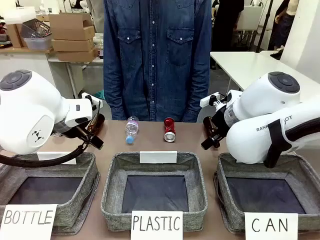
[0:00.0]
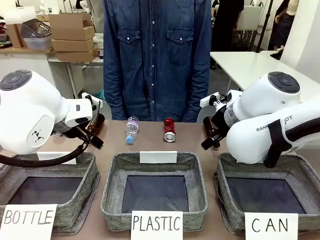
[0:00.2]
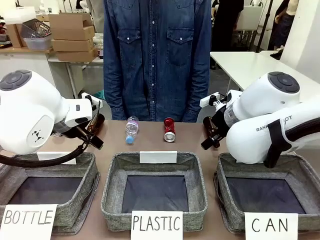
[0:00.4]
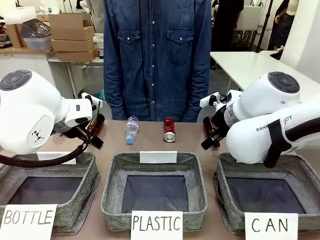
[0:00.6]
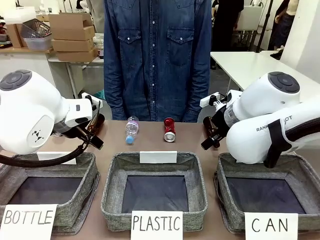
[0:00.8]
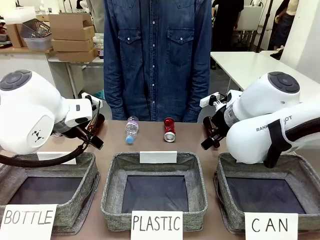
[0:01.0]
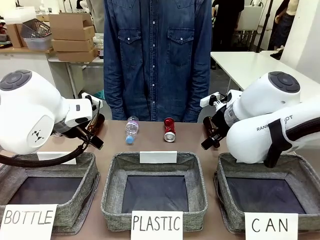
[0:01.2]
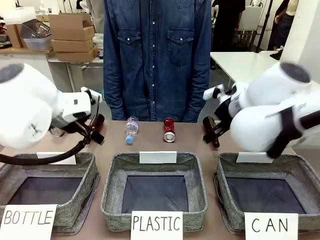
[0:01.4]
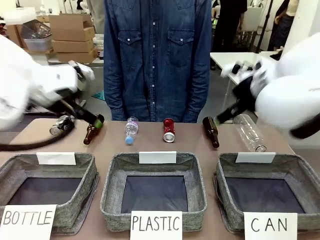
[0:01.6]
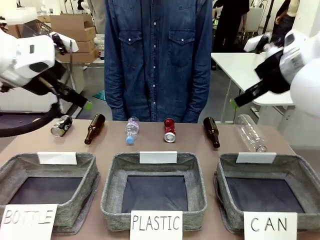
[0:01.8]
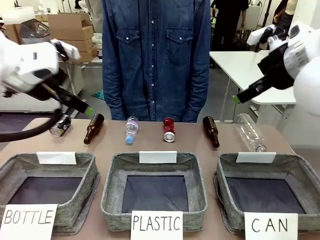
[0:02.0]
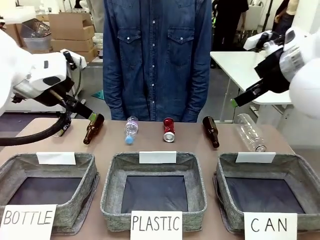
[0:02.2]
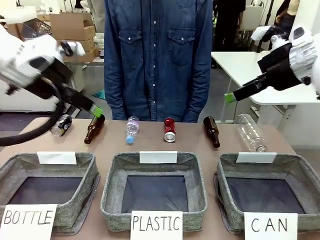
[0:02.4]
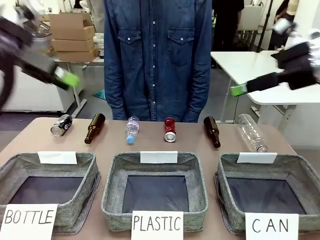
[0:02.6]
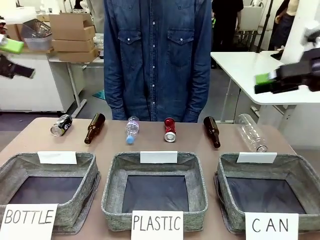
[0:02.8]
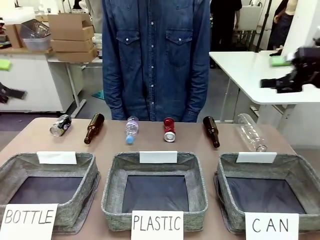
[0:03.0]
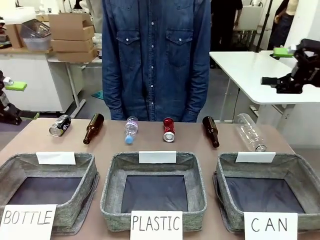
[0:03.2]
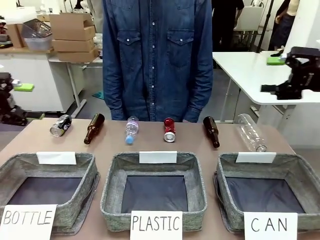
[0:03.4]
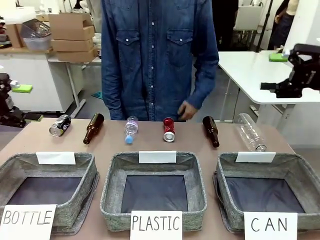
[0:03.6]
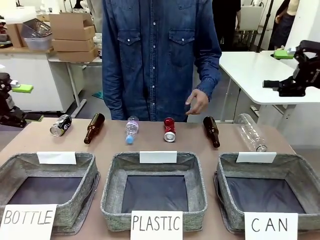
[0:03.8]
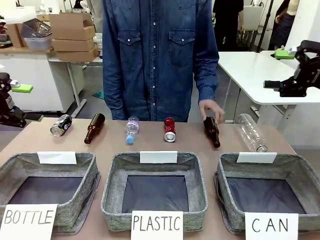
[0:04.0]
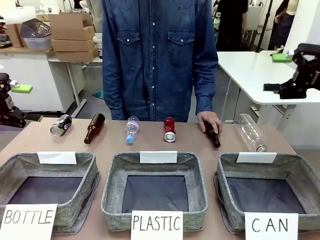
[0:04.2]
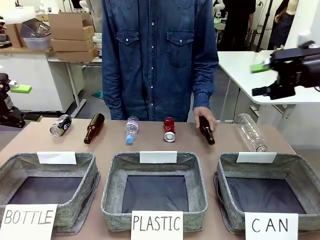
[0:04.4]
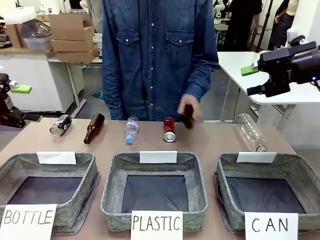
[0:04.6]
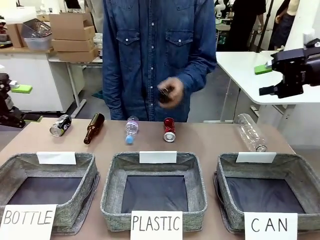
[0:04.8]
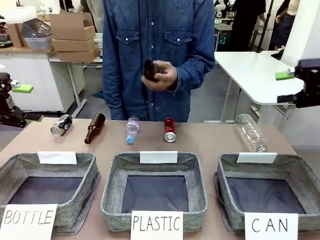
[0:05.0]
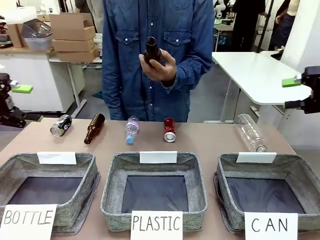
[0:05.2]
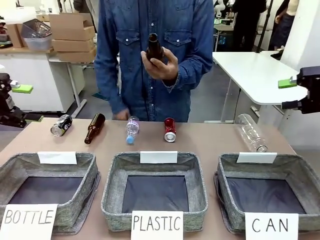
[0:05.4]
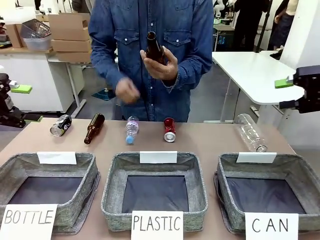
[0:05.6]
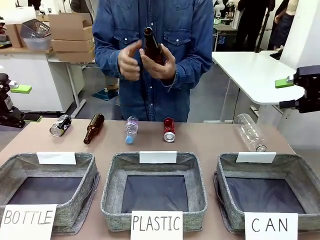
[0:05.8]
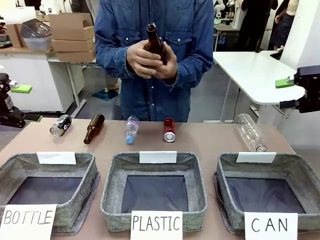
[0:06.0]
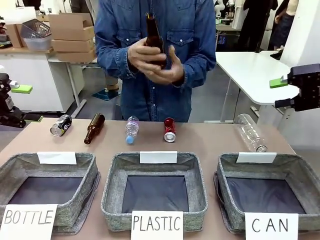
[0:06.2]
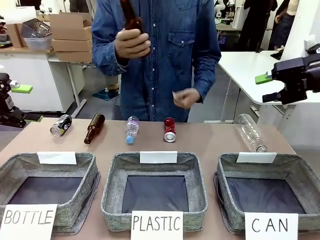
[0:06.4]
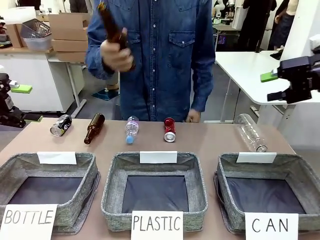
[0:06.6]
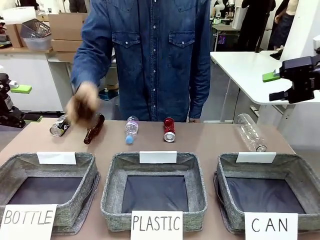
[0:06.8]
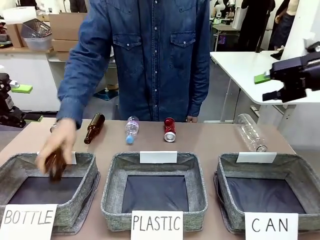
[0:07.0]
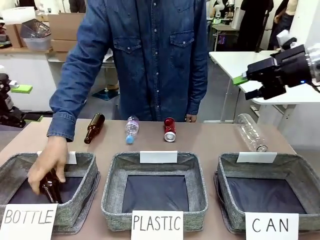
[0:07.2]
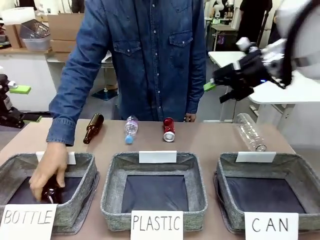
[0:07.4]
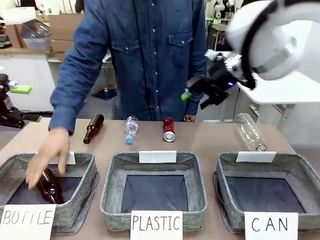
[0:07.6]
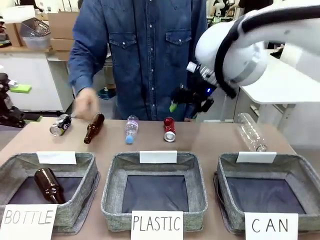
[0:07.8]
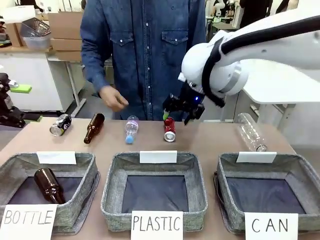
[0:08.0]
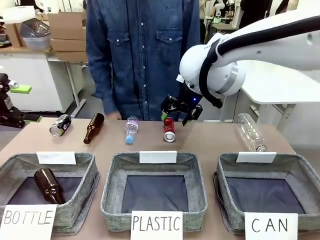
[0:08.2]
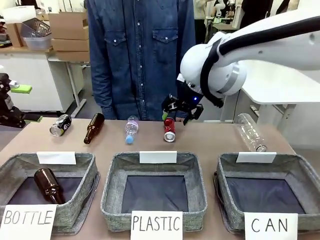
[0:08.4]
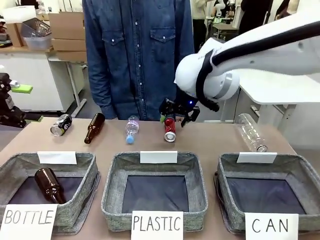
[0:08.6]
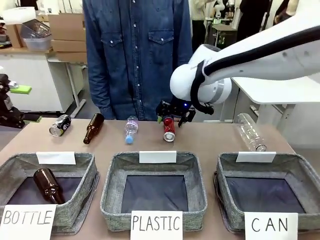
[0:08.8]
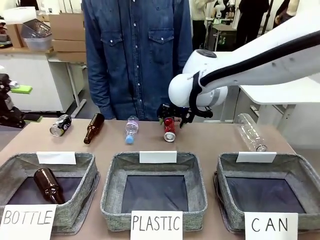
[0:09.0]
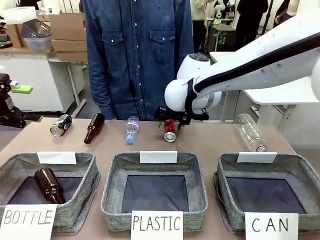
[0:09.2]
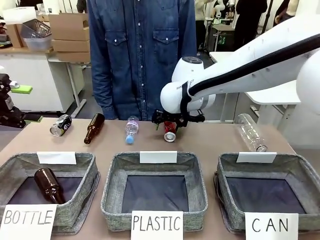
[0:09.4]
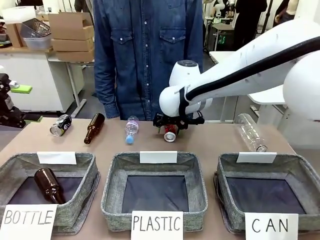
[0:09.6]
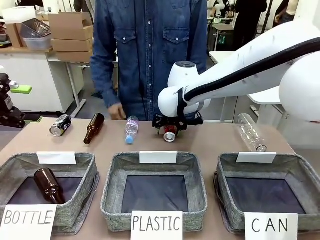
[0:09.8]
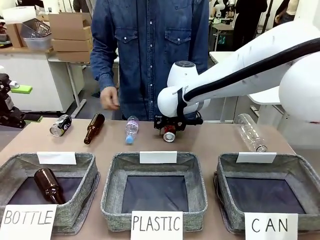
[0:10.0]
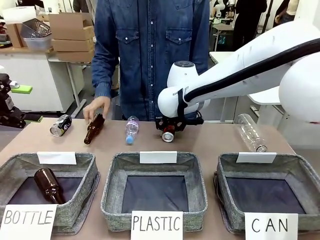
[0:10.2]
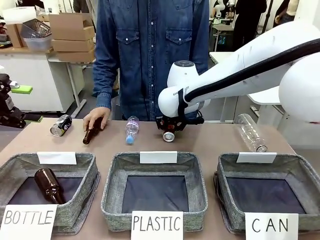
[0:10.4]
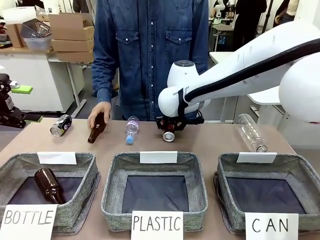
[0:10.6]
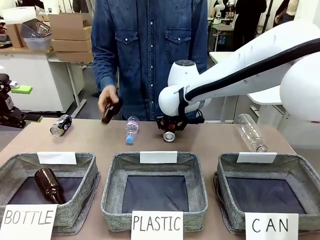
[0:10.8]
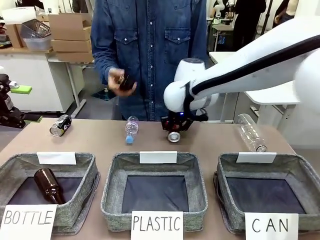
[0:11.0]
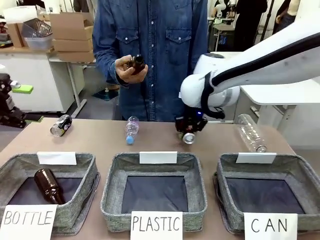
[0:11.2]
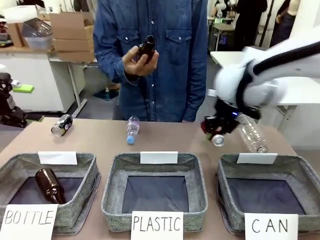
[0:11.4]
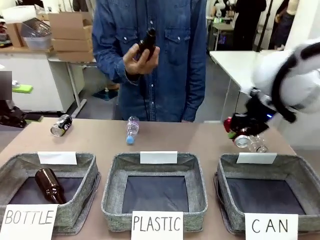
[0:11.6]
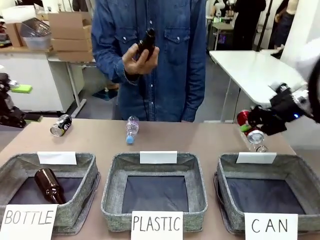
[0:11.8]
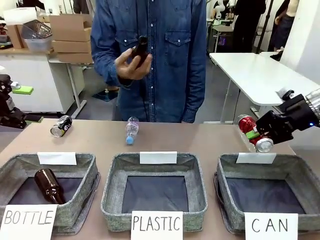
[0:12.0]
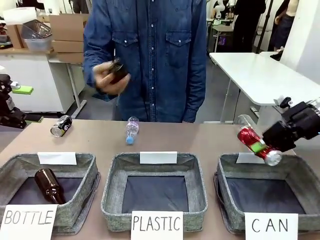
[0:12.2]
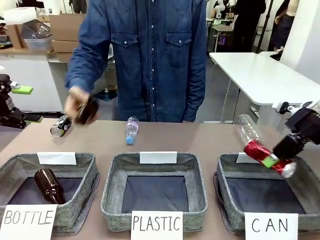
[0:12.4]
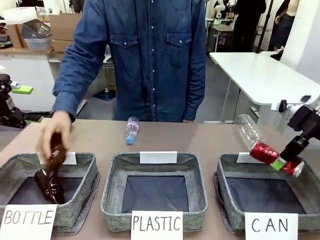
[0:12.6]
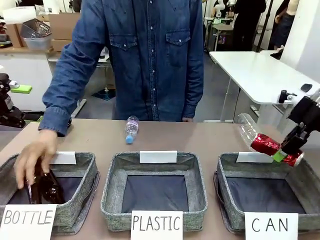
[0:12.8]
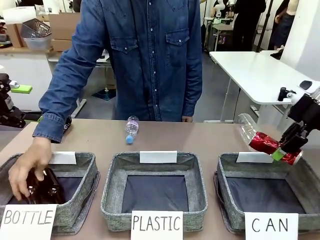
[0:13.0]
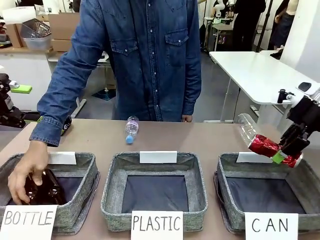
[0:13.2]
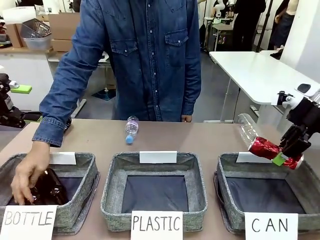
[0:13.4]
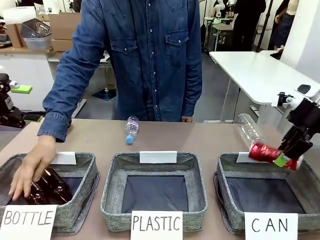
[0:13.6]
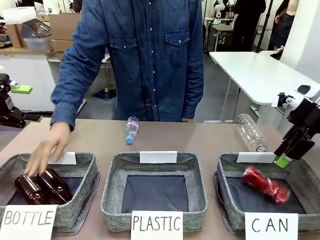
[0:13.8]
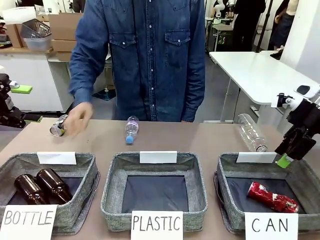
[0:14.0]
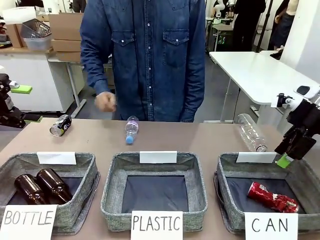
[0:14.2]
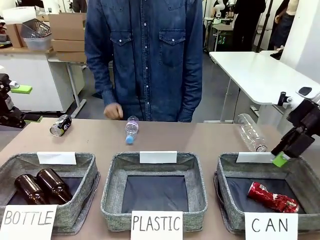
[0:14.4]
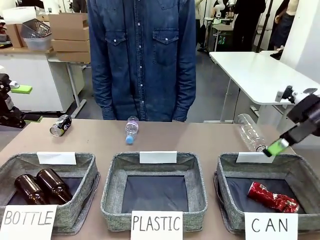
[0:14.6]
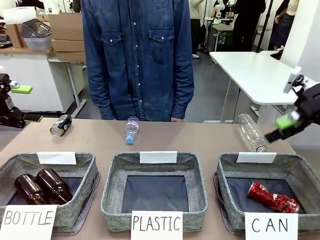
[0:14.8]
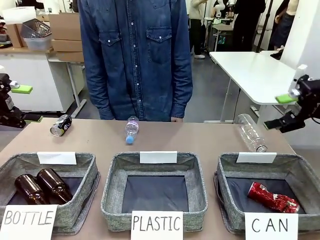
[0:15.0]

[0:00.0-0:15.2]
Task: Sort the can waste into the basket.
Robot: Pick up the can waste from the table and place it in the right Fabric basket.

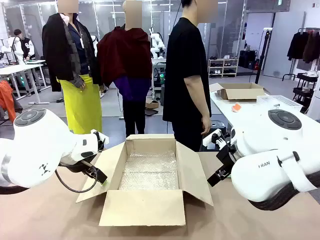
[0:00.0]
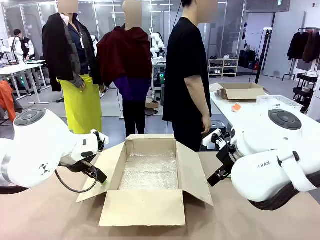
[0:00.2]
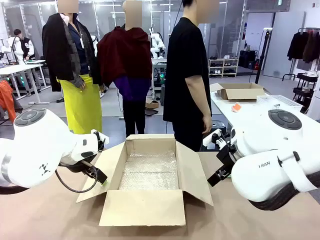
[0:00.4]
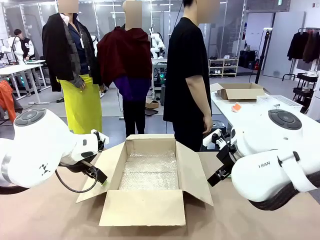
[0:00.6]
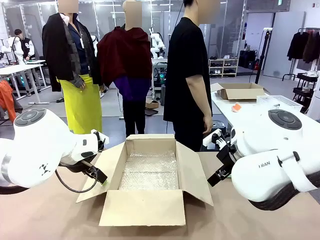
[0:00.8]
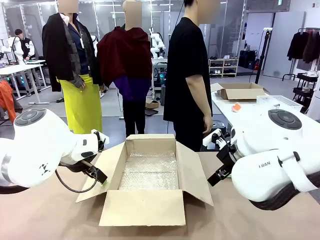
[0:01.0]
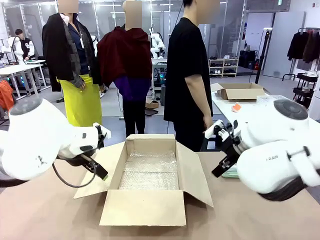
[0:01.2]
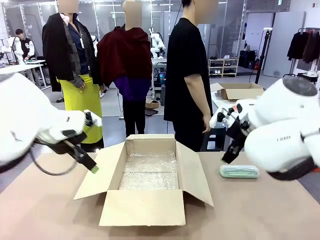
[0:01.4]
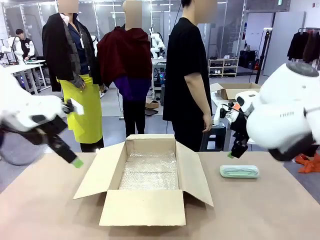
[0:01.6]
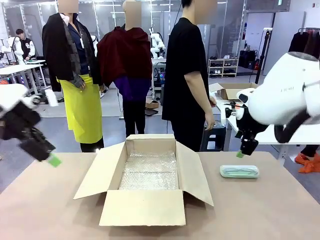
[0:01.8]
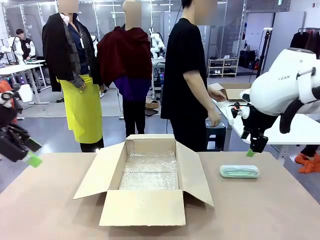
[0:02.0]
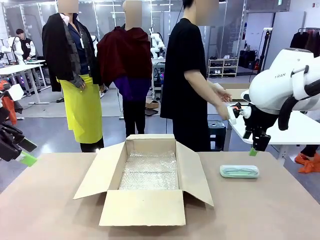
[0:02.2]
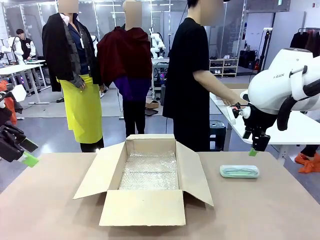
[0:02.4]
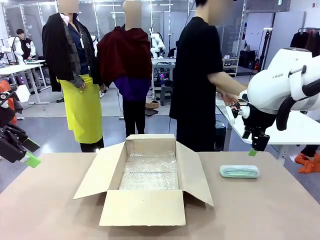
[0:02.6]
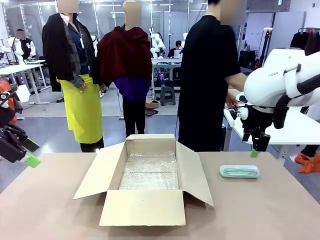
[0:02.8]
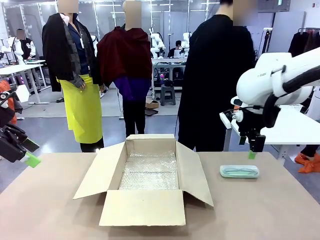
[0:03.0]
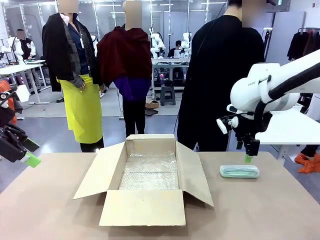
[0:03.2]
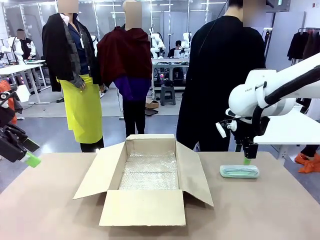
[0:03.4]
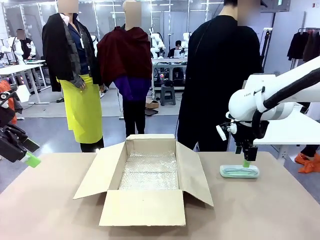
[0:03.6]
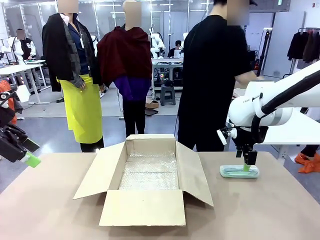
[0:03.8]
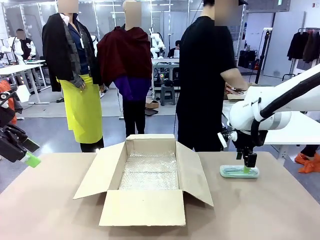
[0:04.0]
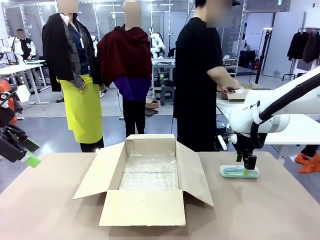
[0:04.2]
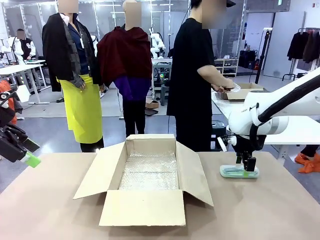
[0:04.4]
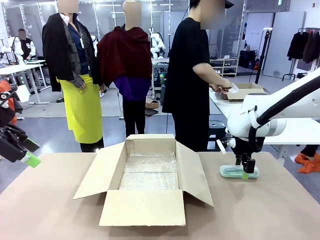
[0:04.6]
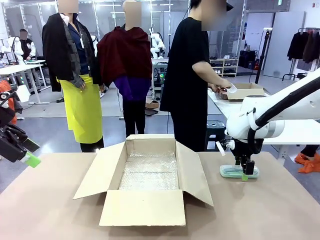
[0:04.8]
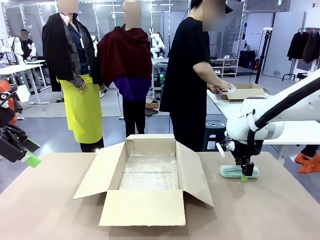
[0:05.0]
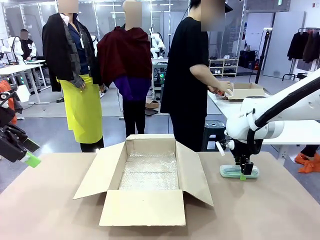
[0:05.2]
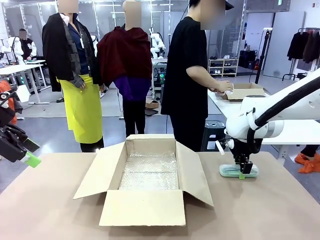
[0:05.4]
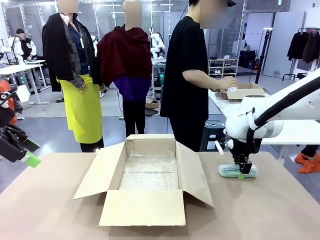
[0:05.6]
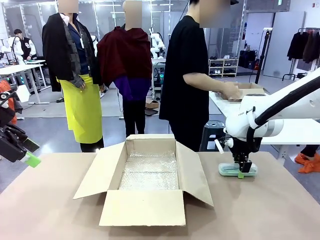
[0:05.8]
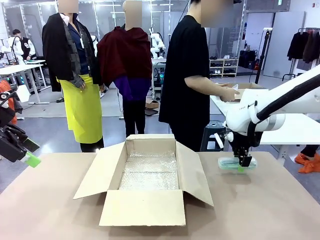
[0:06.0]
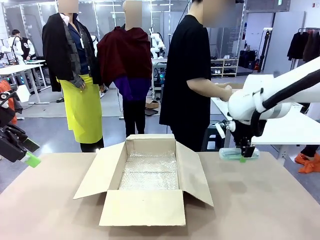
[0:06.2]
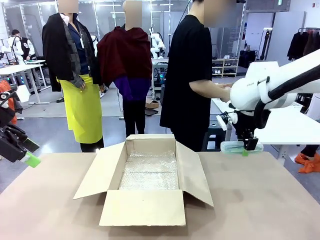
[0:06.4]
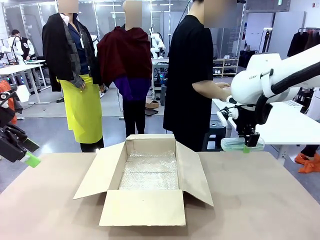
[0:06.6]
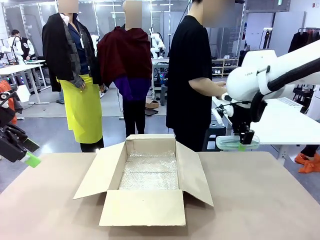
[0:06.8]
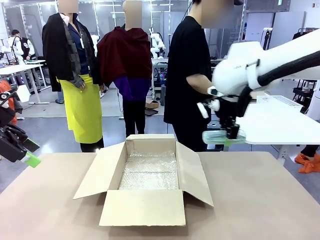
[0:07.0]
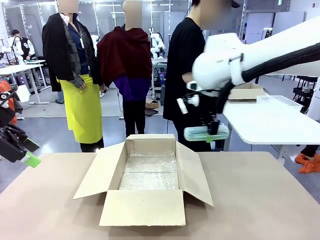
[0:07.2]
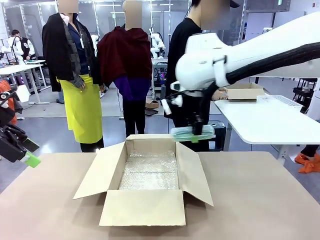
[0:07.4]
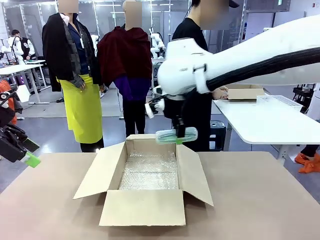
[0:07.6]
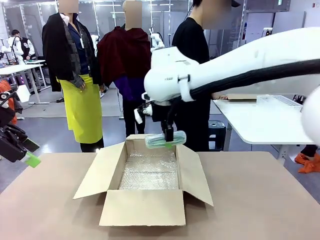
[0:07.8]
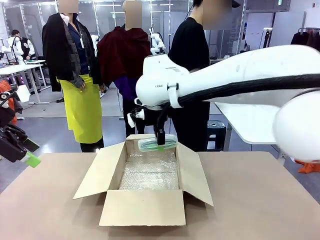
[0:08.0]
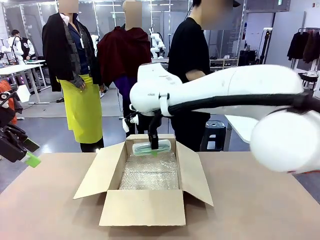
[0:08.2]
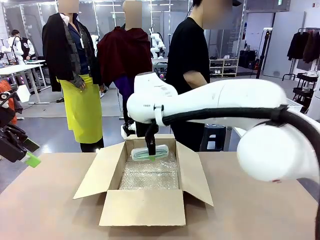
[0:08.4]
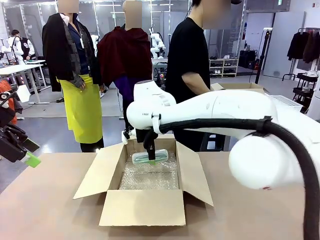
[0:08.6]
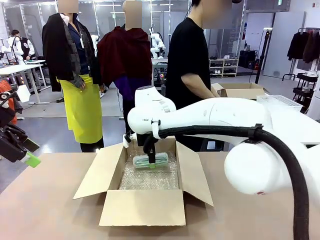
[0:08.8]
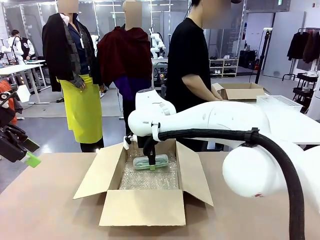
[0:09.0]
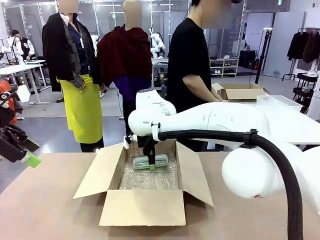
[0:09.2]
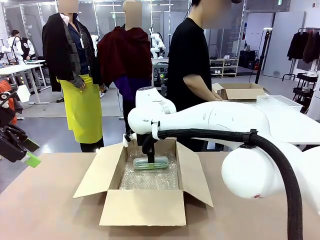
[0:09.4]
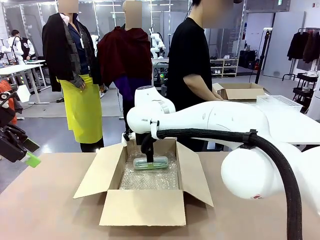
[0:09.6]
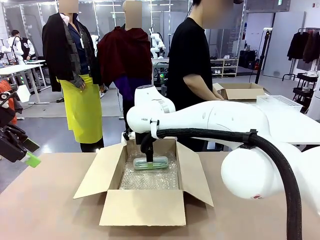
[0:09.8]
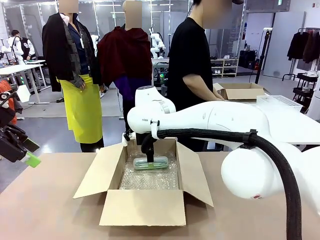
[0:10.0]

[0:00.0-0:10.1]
Task: Pack the glasses set securely to prepare it for shipping.
Robot: Place the Glasses case inside the Package Box.
Person: Place the Glasses inside the Glasses case.
